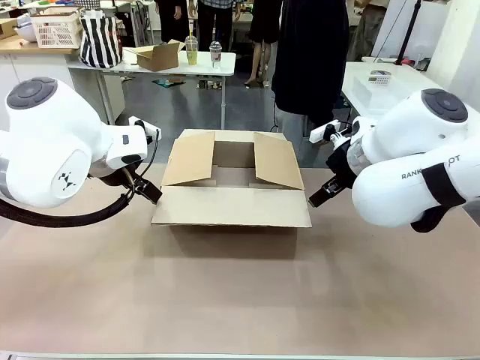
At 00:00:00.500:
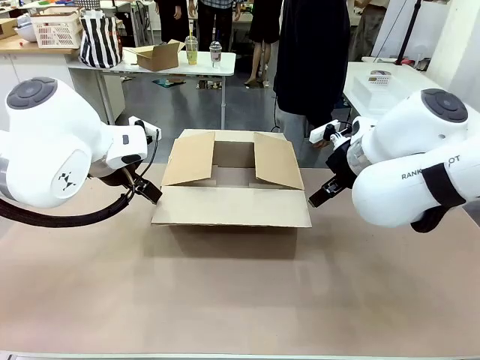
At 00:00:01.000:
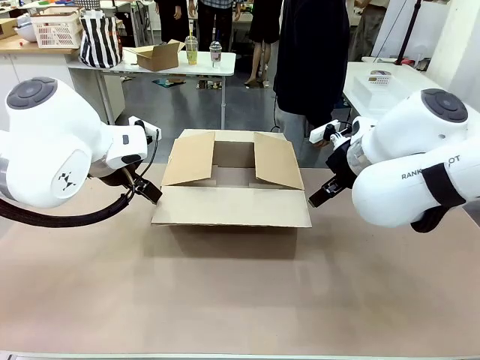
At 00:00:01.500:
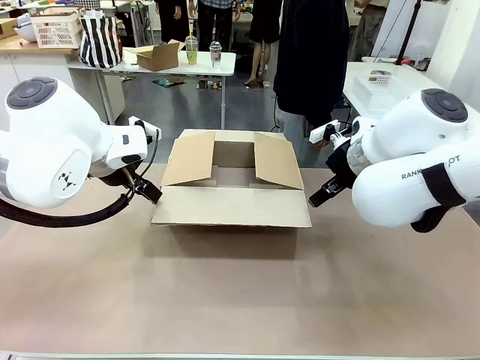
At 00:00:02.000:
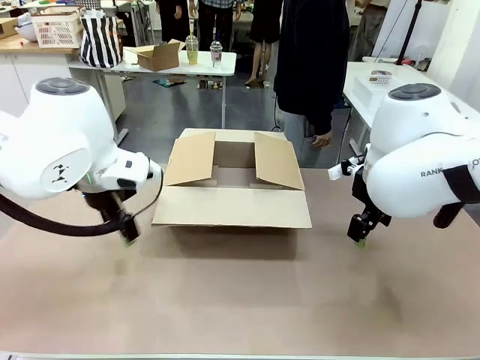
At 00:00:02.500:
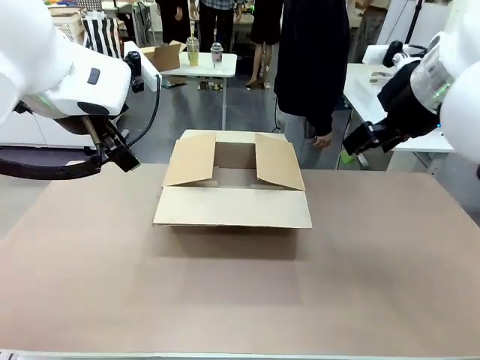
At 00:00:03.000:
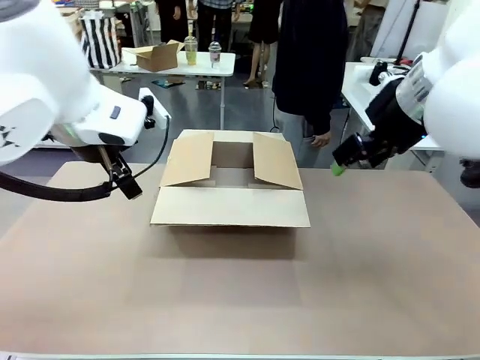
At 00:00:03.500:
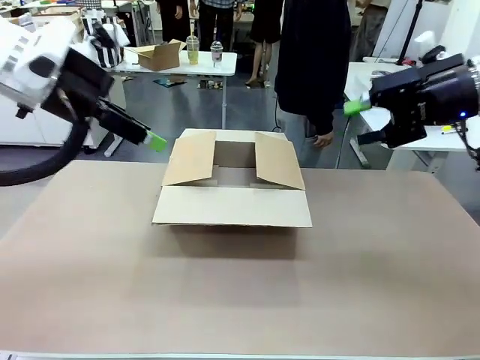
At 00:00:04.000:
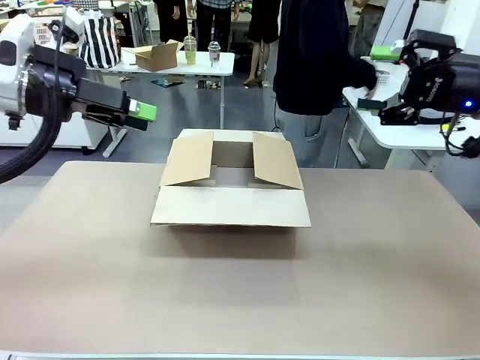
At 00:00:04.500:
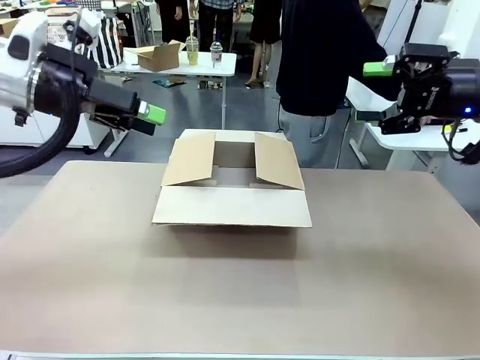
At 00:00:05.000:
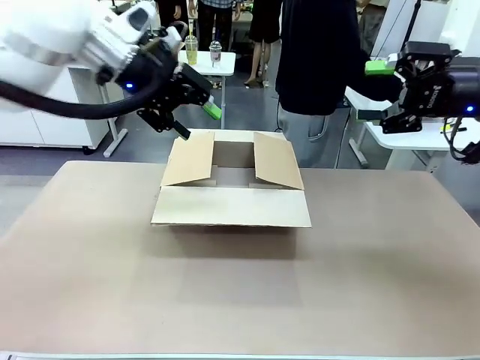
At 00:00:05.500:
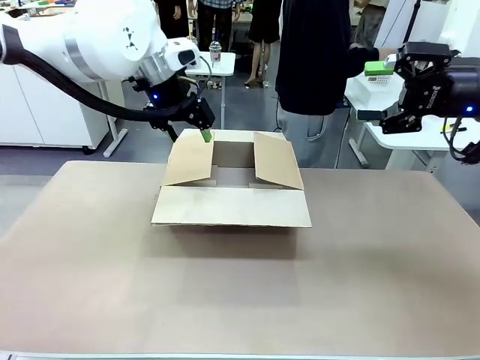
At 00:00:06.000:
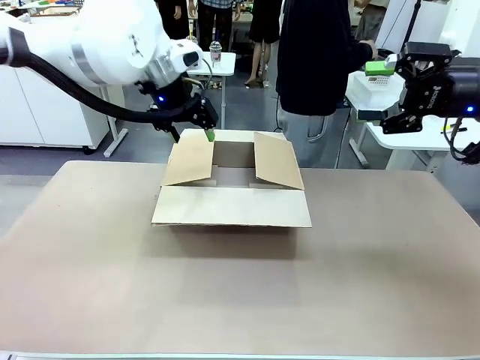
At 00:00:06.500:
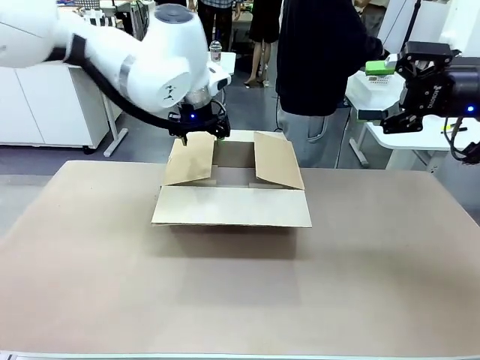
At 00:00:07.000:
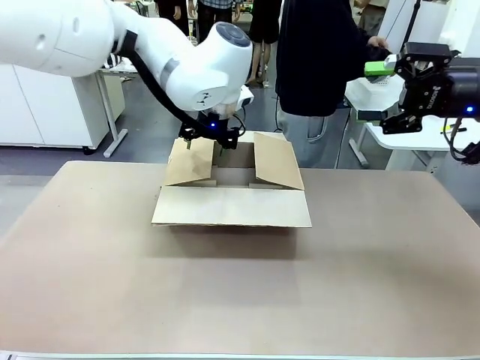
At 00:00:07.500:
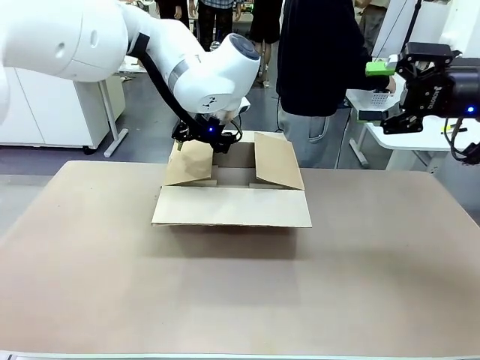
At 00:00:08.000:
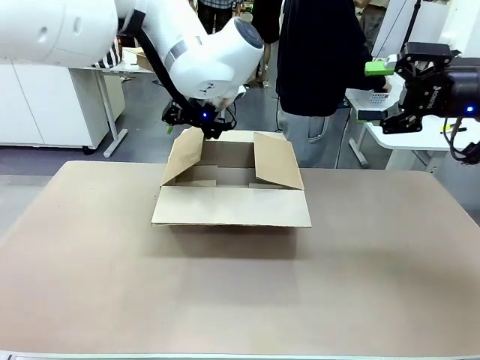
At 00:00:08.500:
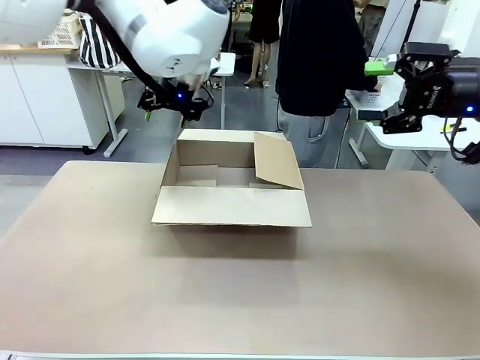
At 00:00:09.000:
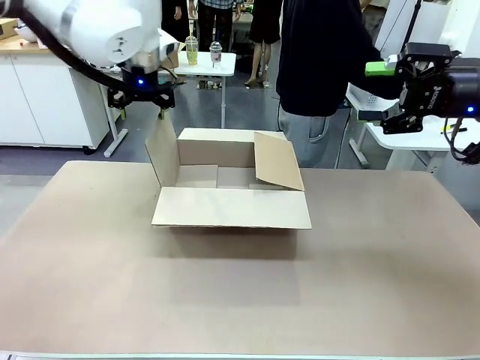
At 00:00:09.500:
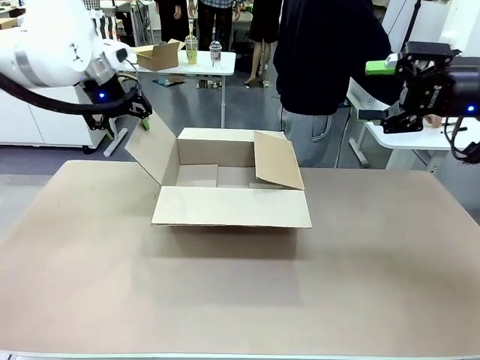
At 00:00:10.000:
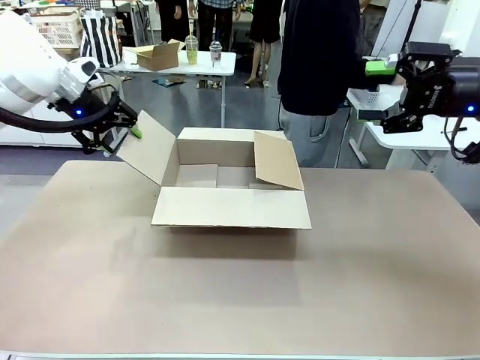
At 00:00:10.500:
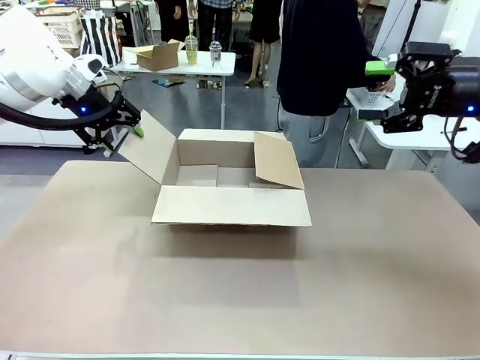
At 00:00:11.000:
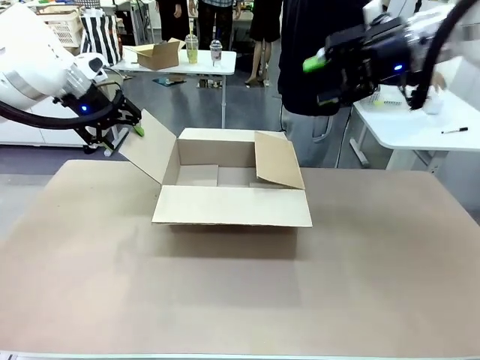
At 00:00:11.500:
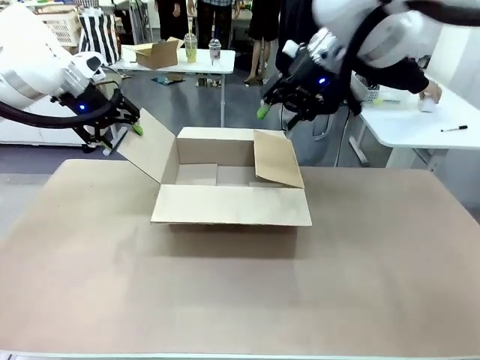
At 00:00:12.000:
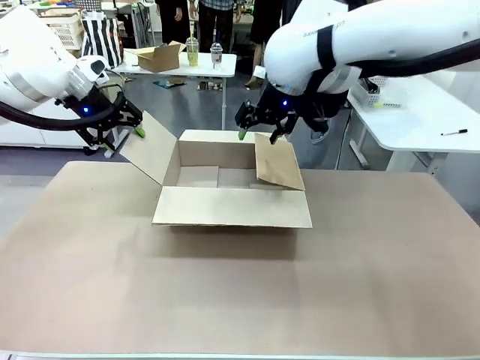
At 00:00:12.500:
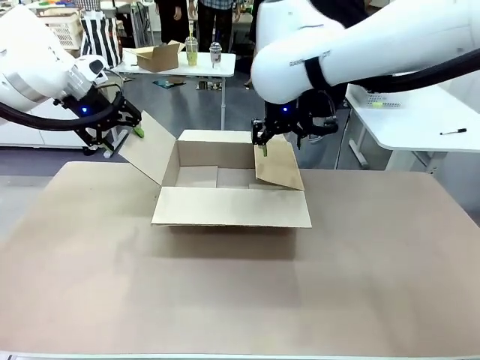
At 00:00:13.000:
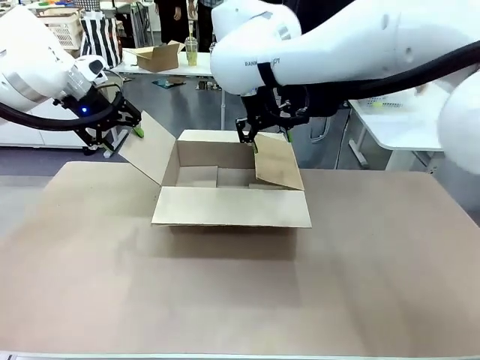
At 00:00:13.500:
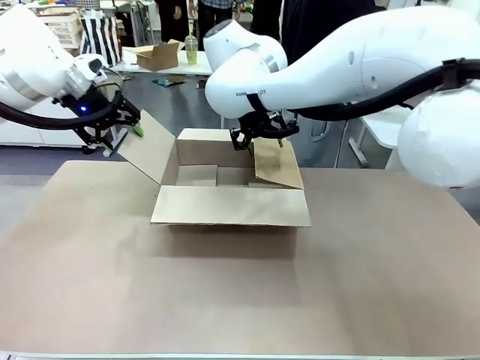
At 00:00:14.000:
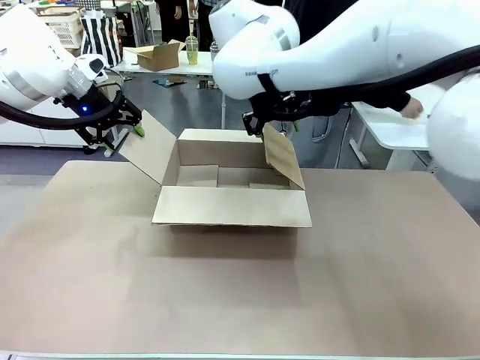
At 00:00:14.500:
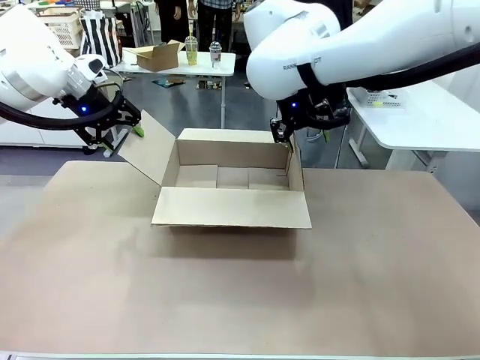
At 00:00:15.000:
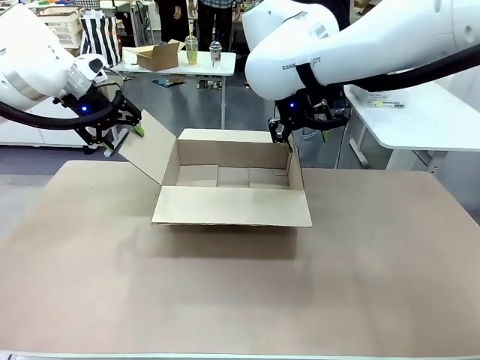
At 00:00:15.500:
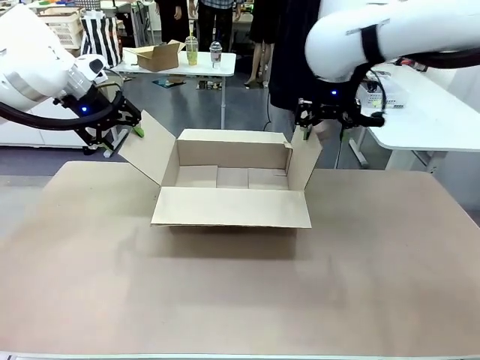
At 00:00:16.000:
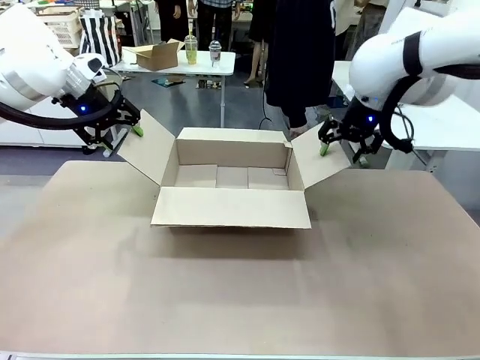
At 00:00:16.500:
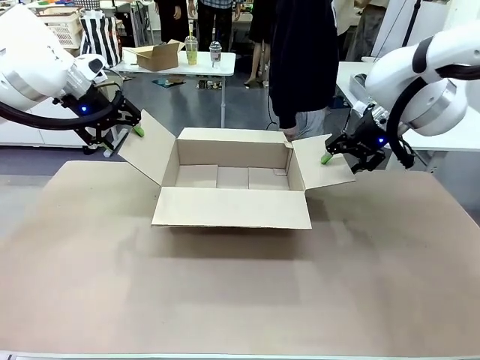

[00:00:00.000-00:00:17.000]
Task: Pack the gift set into the box.
Robot: Place both hands on the side flaps of the Package Box and spread them outward.
Person: The human places all items except the paper tape into the organizing basket.

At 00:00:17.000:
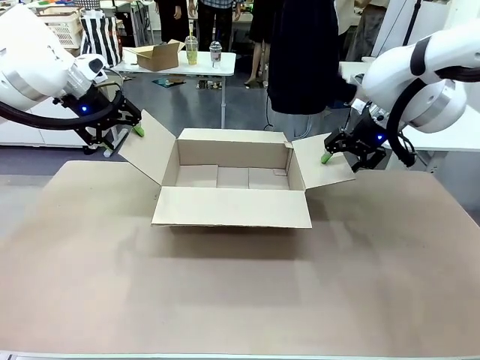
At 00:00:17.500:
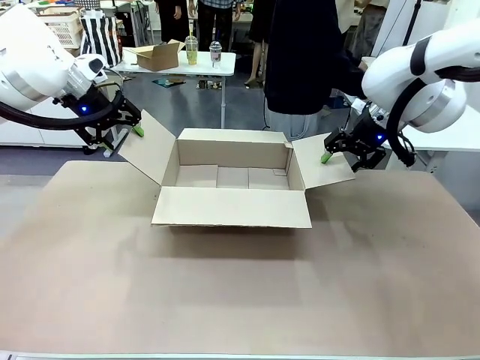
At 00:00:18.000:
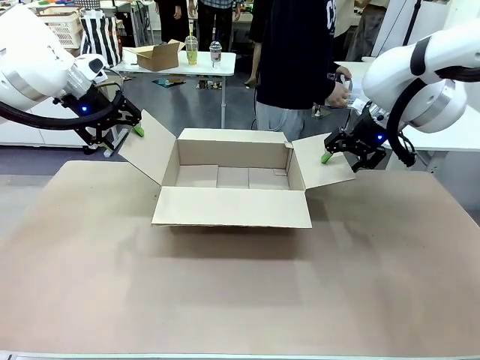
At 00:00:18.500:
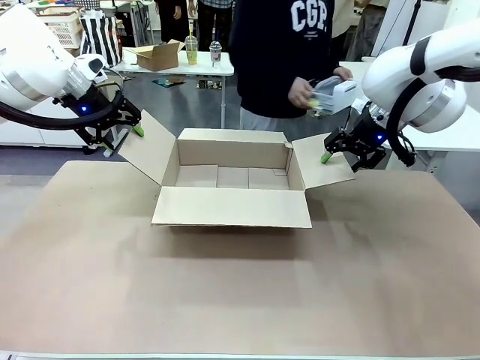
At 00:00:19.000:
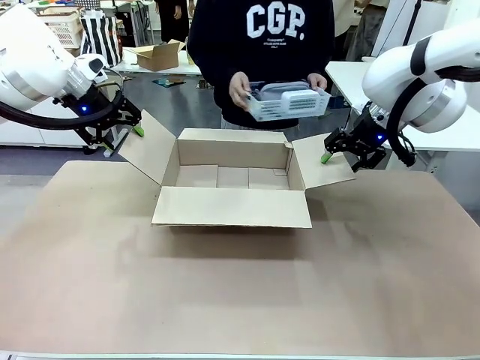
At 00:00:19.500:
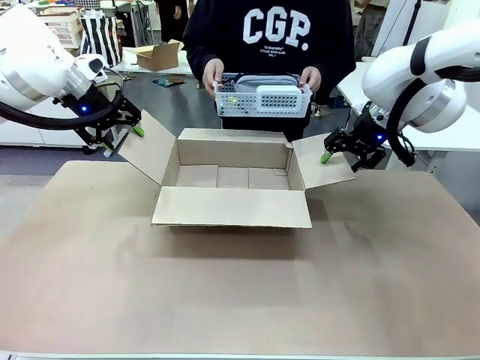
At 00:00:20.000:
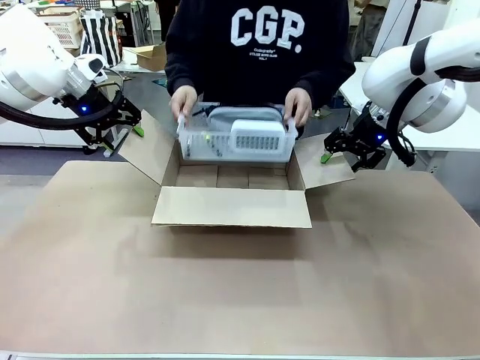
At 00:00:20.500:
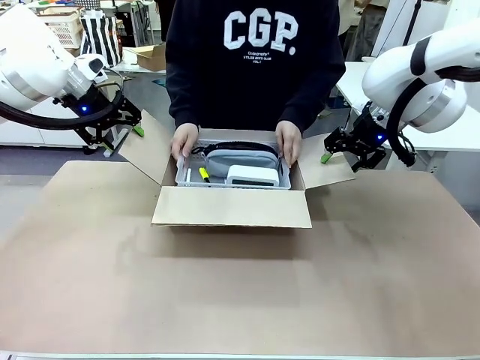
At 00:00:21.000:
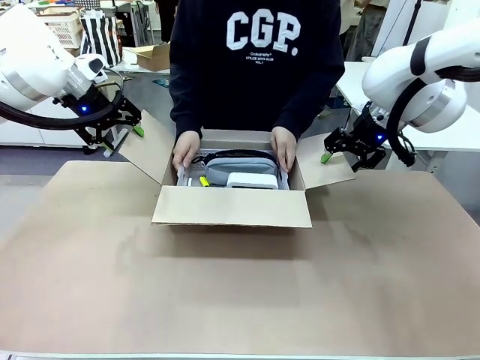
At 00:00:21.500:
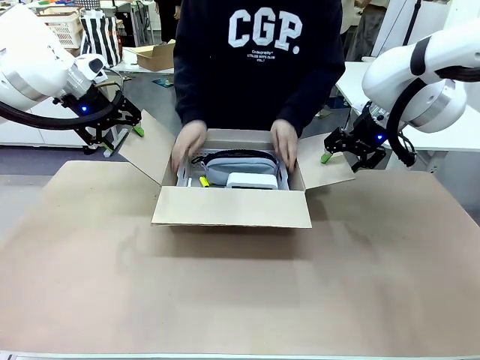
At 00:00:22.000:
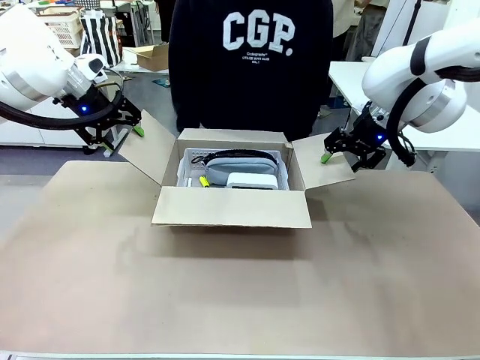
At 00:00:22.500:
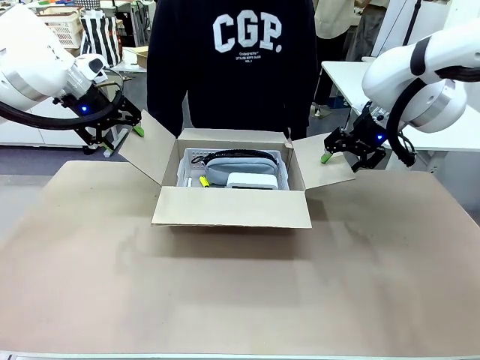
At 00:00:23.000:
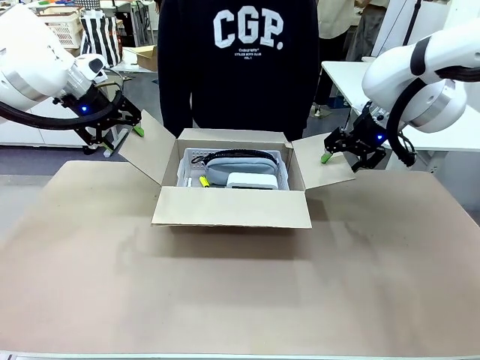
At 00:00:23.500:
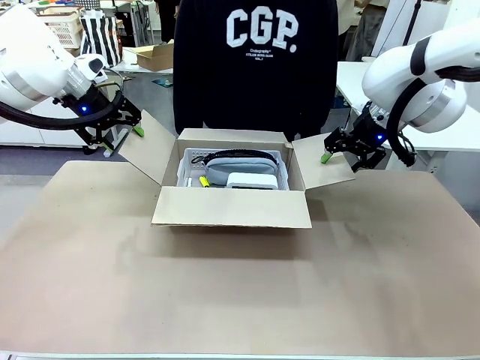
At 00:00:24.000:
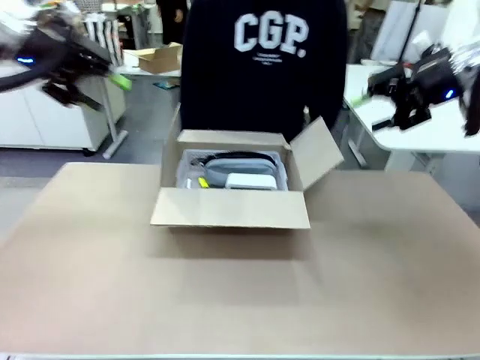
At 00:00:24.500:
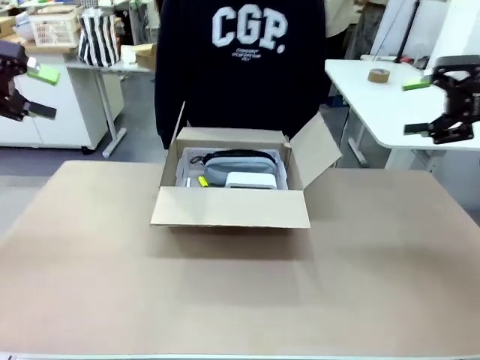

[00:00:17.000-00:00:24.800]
Robot: Lift both hands away from the flaps of the Package Box.
Person: The human picks up the organizing basket and places the organizing basket into the package box on the robot table.
